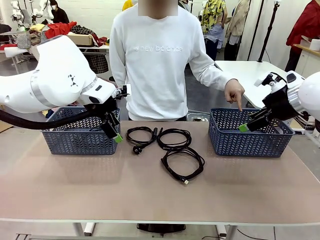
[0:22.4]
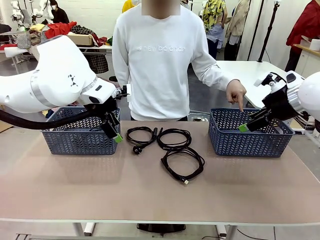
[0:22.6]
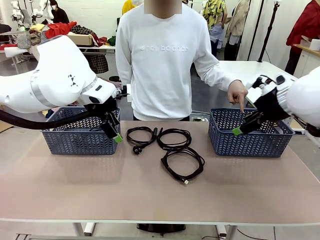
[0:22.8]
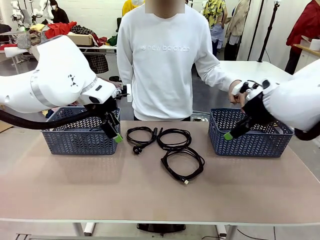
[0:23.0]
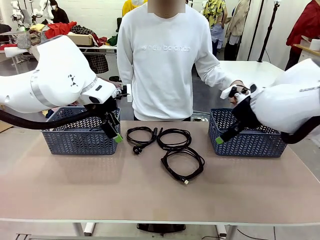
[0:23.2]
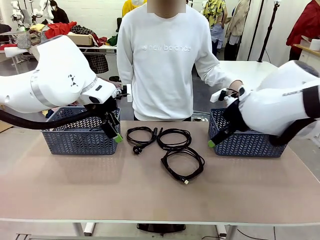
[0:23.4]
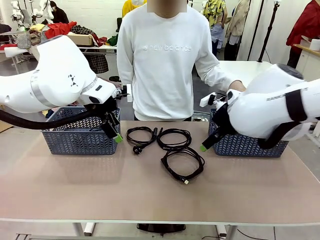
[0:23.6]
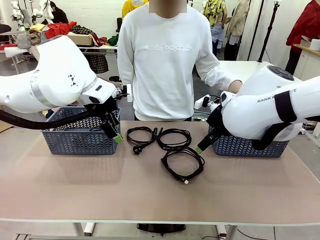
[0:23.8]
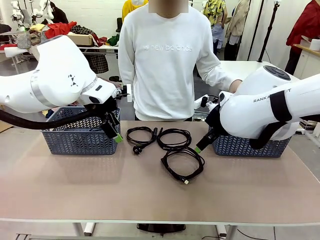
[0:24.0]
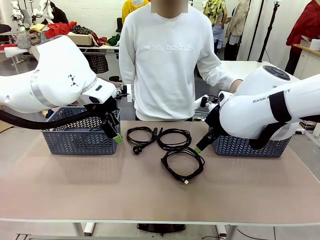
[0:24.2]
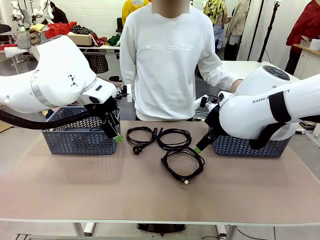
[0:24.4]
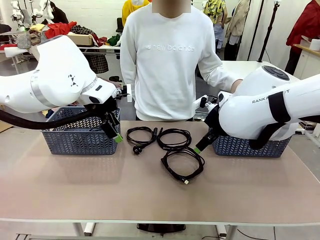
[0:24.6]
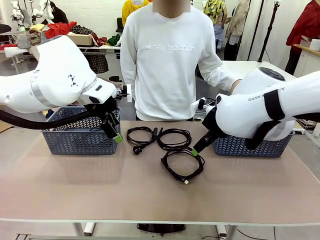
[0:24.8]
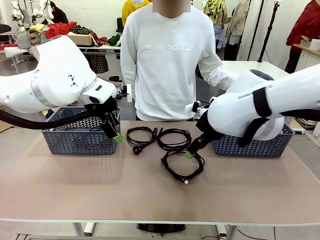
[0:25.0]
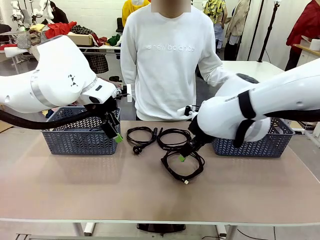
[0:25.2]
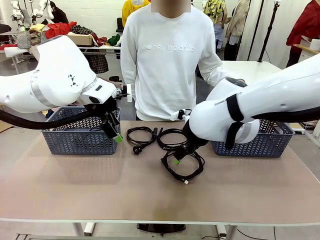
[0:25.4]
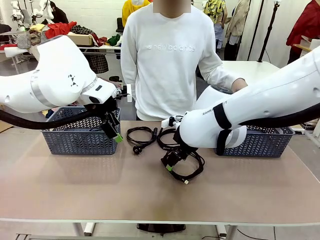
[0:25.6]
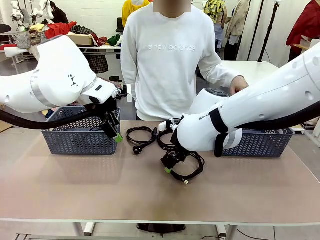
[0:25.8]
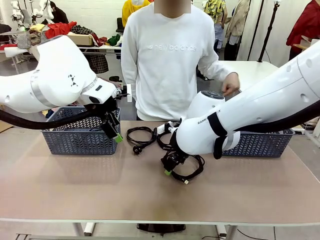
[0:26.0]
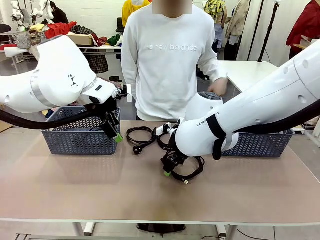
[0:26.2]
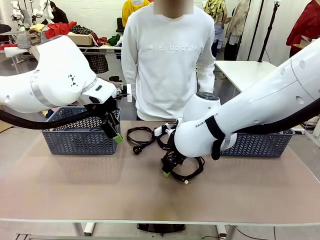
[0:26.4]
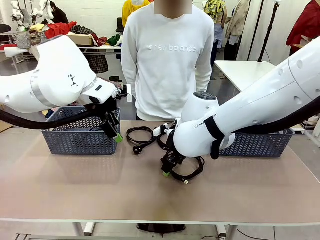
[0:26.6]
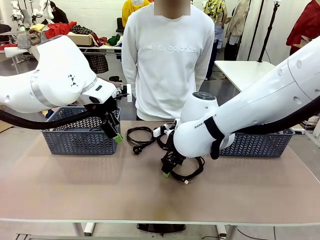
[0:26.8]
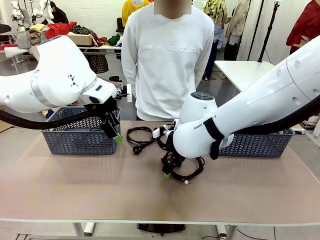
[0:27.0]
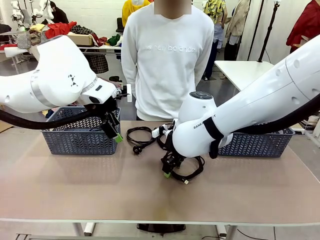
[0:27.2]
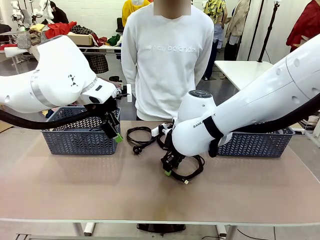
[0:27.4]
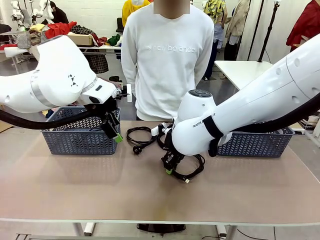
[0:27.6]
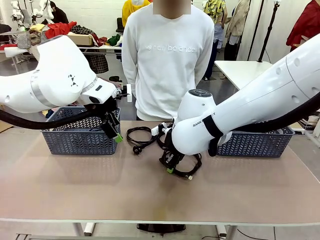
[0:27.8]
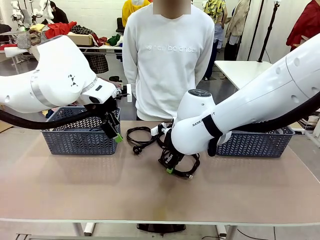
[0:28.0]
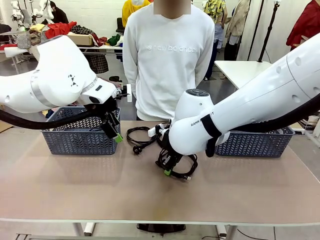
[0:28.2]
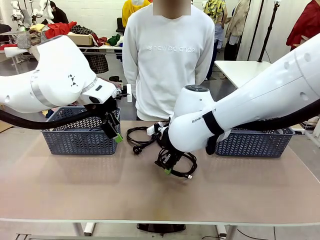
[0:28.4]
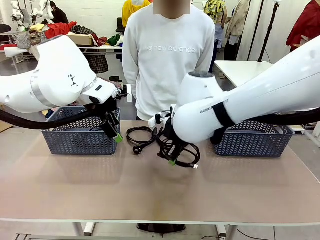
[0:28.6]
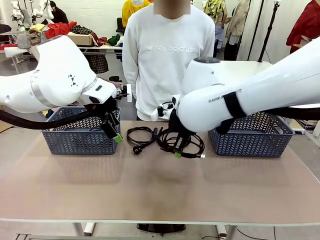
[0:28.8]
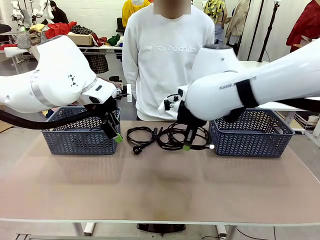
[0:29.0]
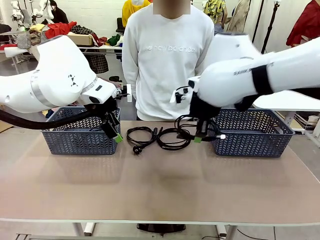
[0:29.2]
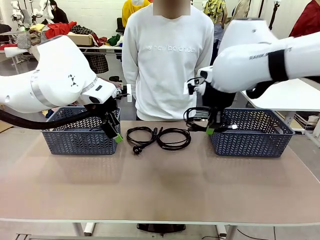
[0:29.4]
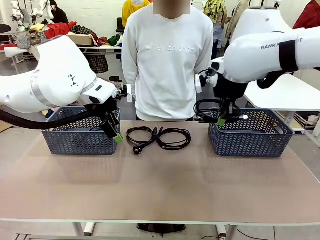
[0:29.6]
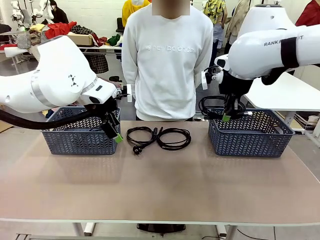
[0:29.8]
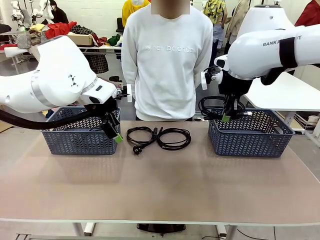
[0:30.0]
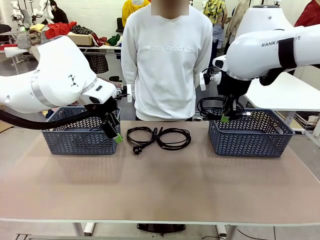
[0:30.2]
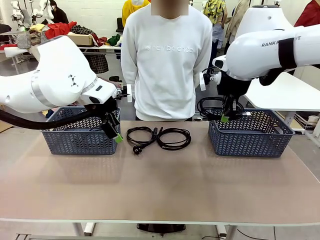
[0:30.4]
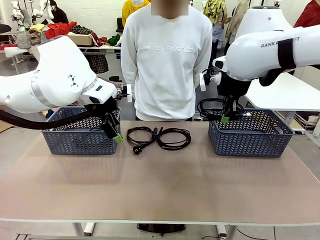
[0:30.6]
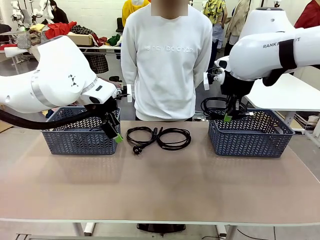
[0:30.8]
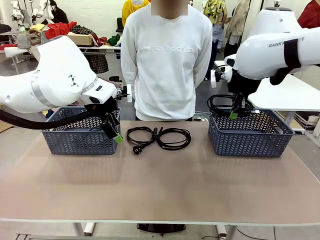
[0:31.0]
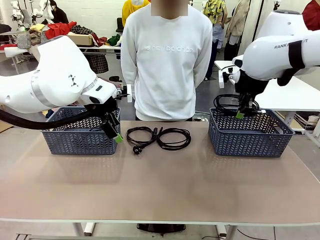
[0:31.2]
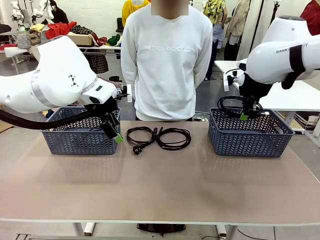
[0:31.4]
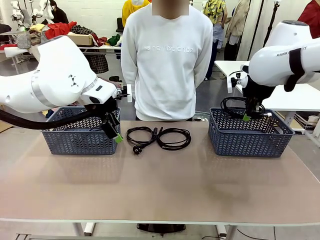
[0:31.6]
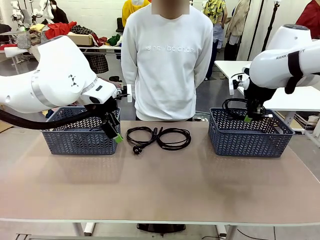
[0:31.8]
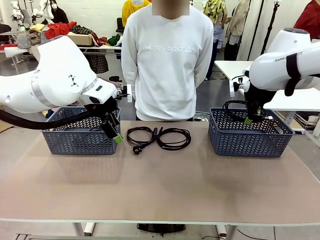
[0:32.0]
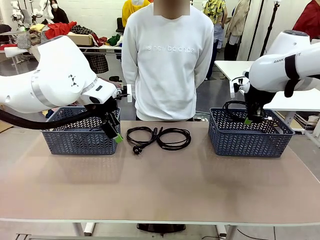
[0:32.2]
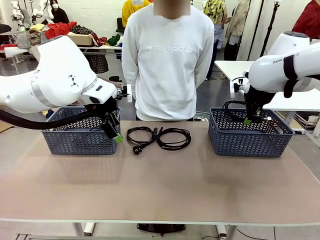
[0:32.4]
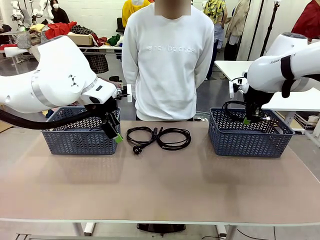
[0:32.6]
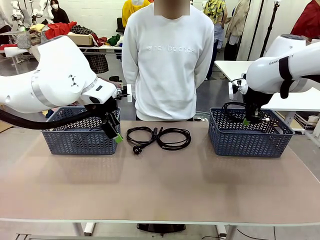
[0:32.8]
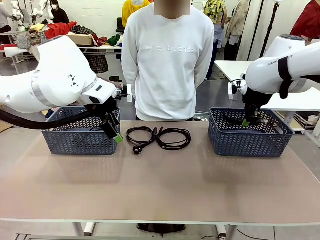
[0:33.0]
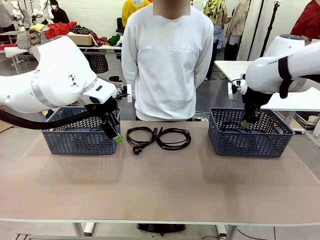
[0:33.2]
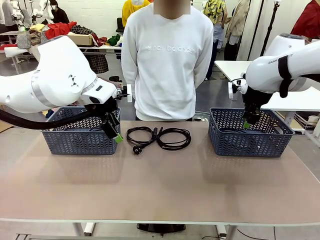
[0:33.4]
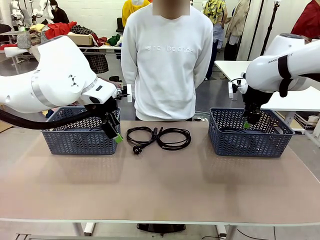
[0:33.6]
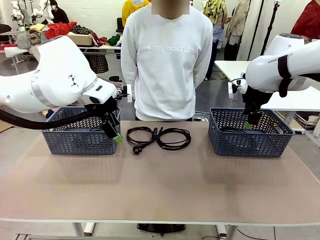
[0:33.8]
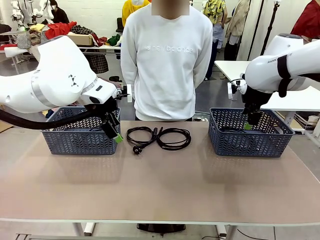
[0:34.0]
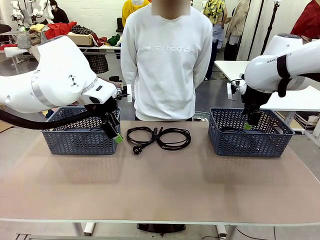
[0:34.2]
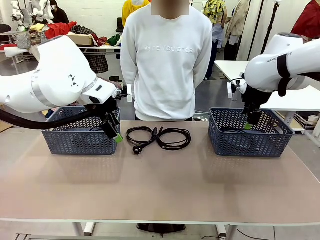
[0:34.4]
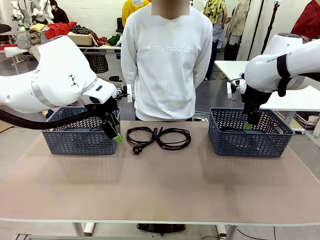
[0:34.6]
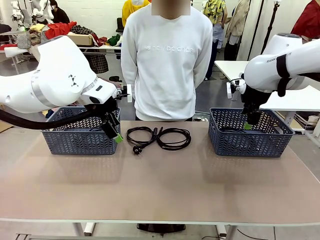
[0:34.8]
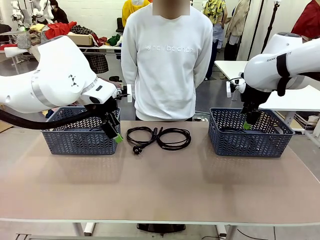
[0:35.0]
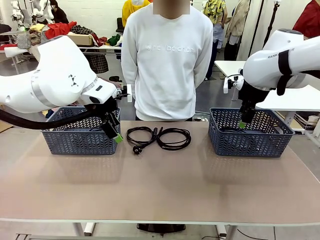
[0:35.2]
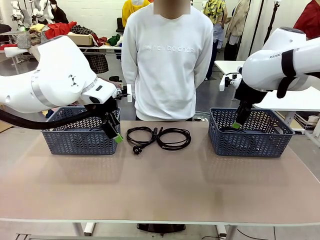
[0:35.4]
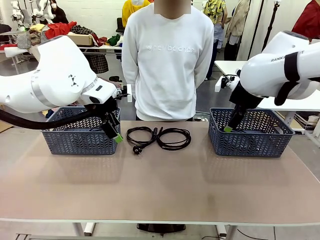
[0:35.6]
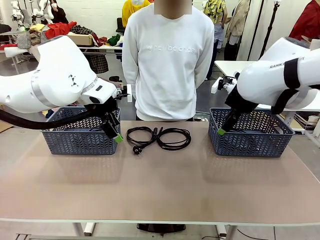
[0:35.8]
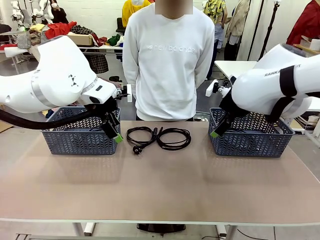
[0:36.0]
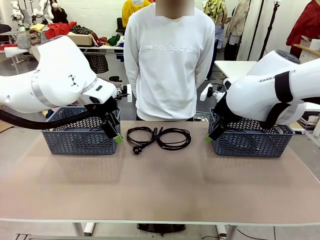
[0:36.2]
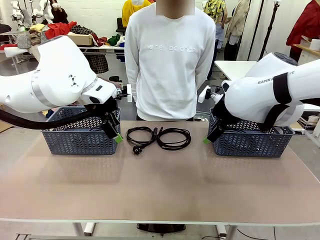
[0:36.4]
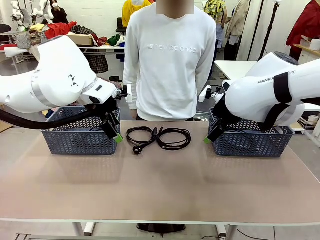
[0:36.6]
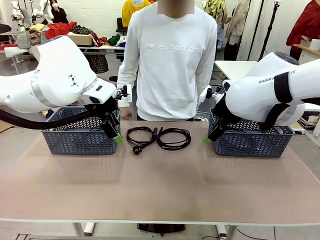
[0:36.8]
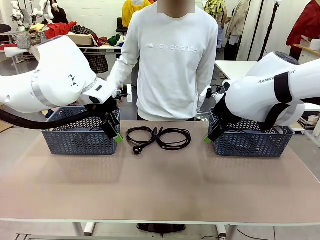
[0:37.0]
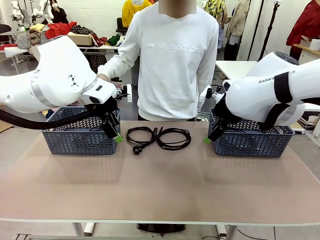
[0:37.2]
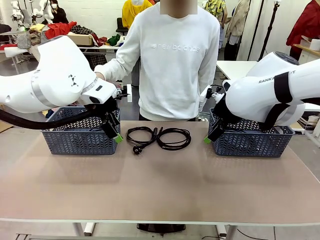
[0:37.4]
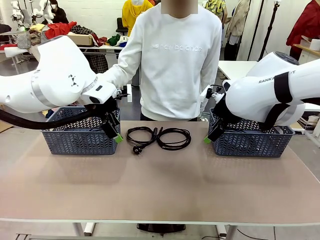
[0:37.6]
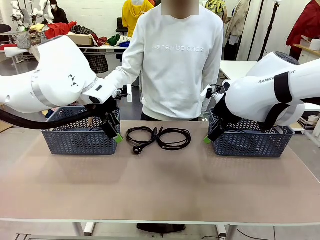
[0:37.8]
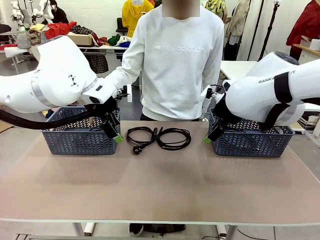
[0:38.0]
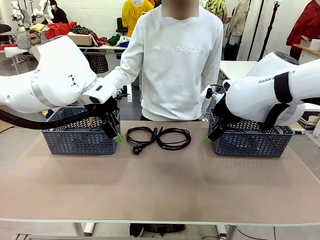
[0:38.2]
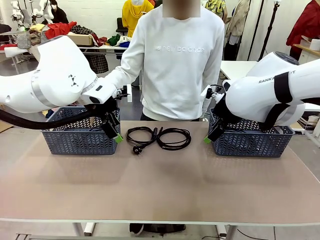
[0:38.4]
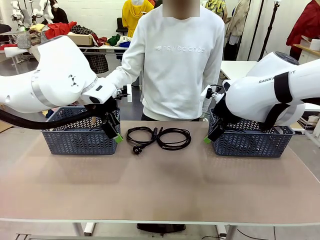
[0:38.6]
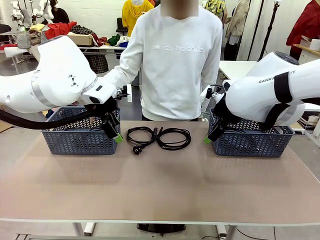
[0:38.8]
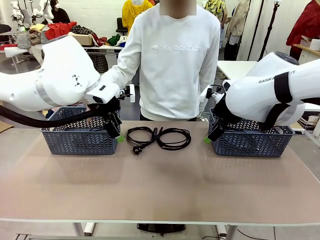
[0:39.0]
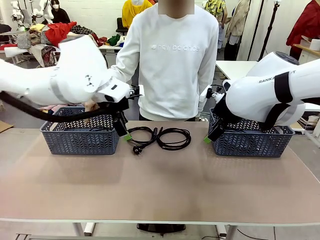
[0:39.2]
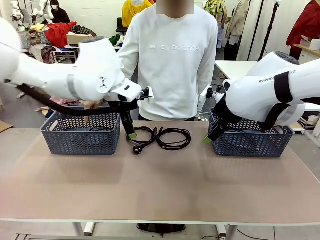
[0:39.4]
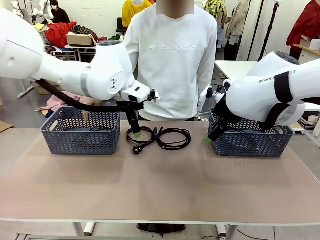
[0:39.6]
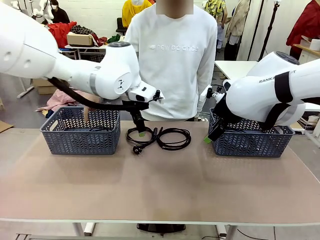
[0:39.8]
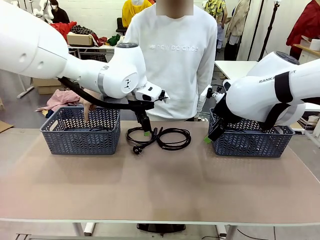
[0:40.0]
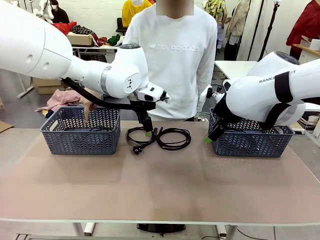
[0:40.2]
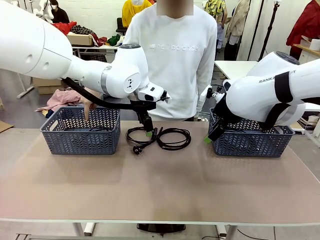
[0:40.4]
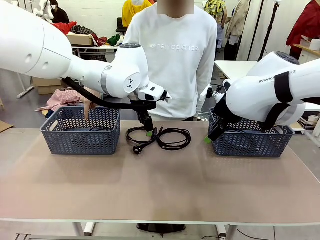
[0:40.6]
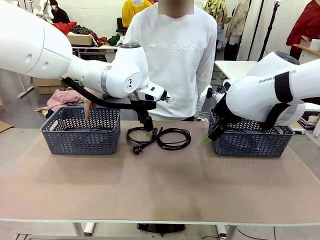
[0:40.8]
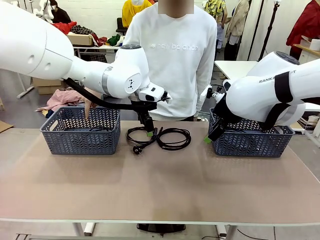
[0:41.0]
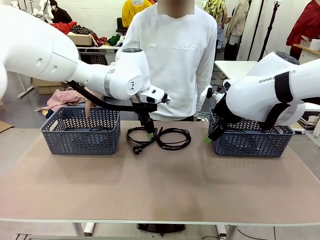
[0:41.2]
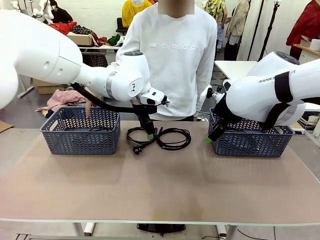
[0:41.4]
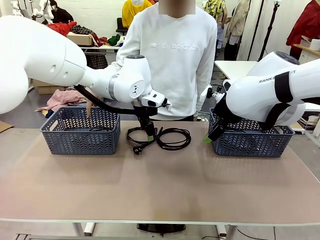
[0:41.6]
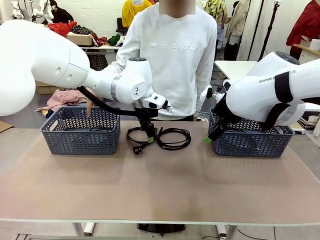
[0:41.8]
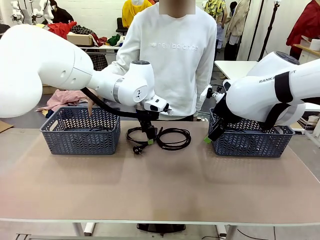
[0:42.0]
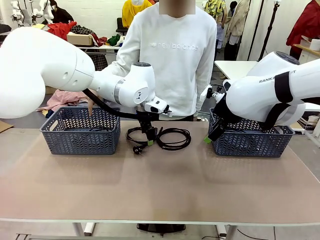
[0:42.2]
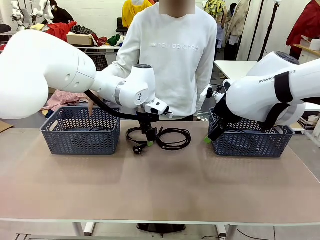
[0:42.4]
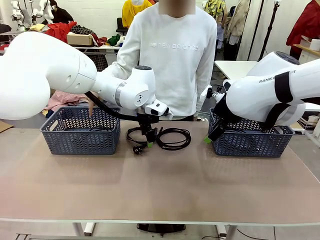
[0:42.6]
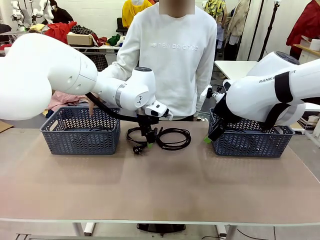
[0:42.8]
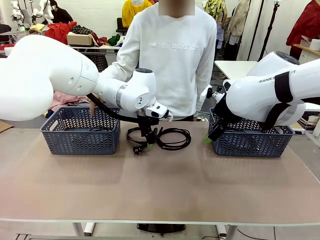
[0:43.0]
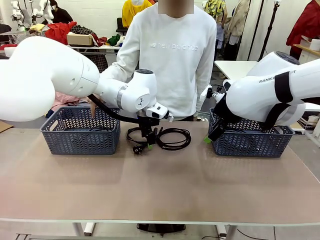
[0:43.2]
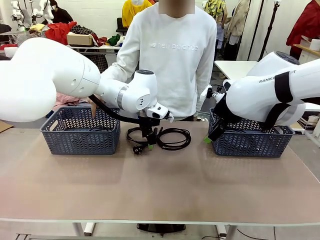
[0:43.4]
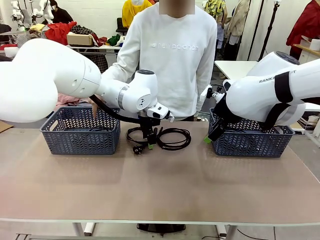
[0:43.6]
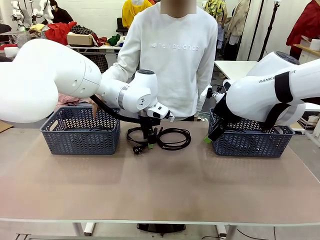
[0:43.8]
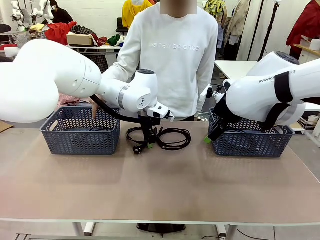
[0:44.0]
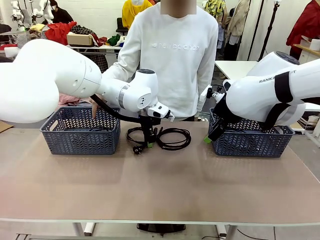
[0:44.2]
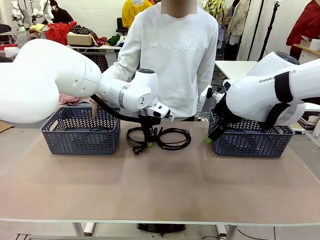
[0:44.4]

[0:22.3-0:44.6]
Task: Organize the cables according to human instructions.
Robot: Pick up a bundle of cables and place it in the basket indicated by the human.
